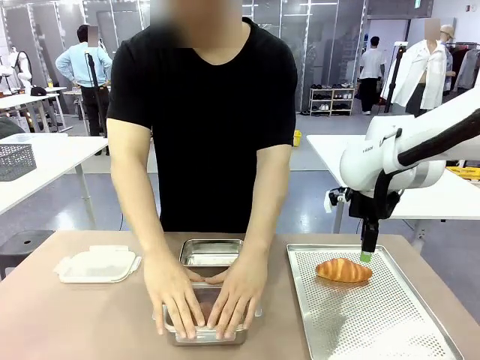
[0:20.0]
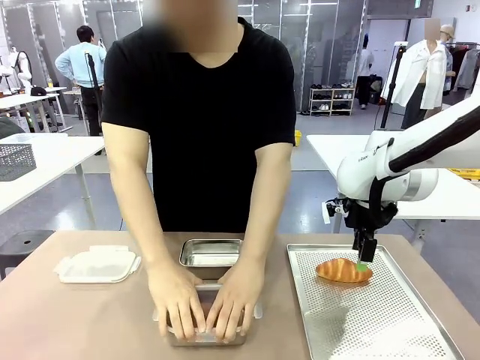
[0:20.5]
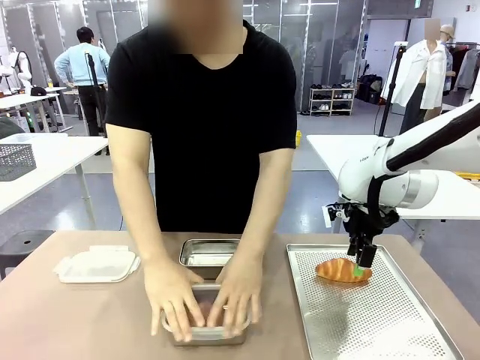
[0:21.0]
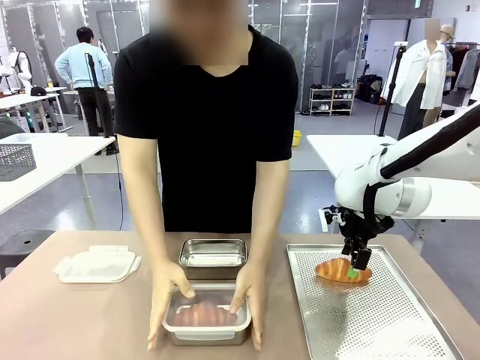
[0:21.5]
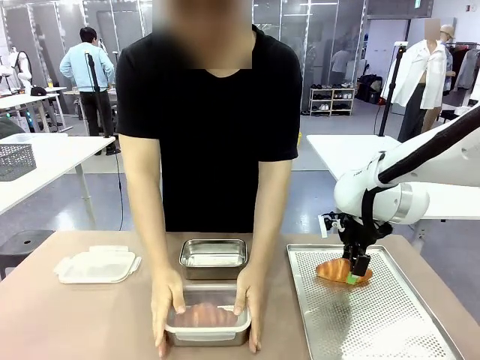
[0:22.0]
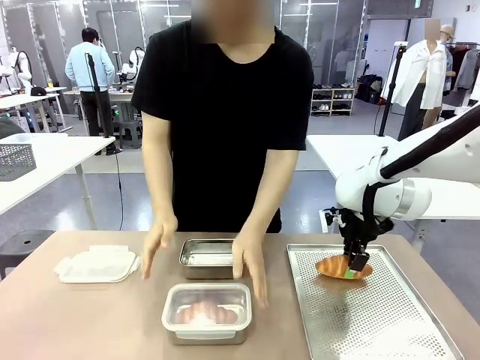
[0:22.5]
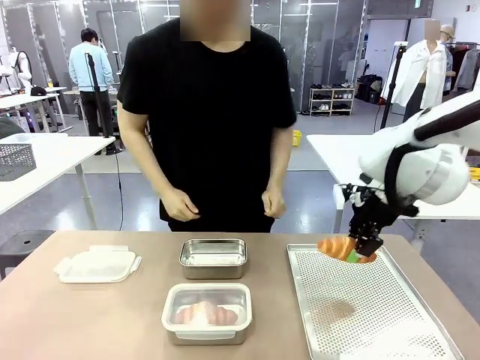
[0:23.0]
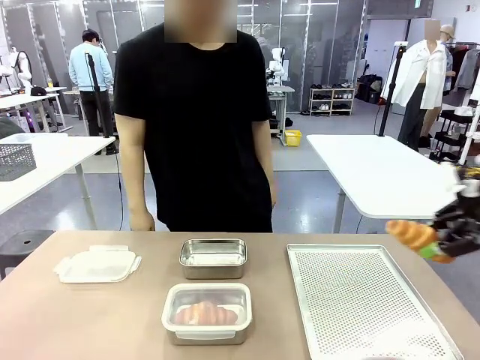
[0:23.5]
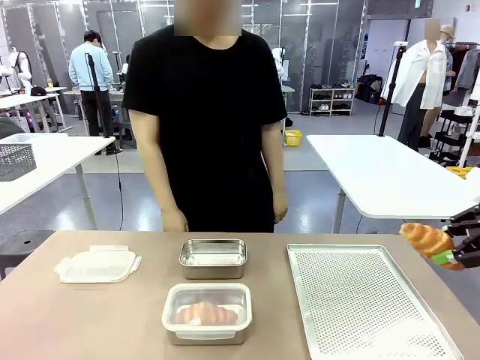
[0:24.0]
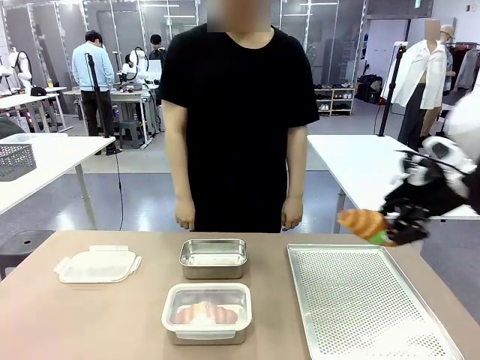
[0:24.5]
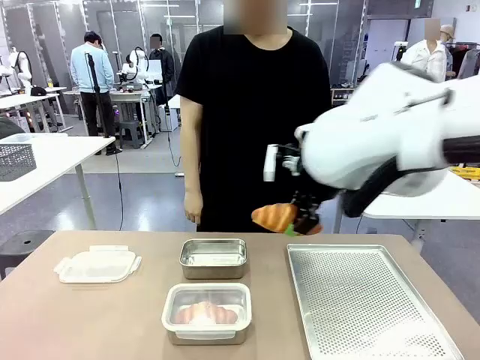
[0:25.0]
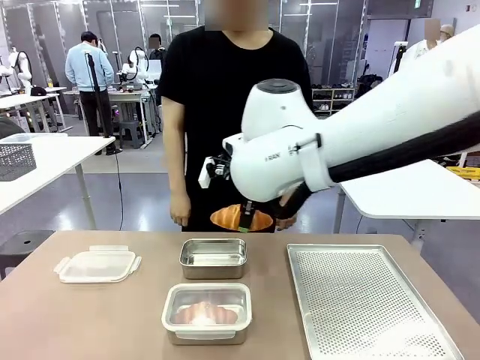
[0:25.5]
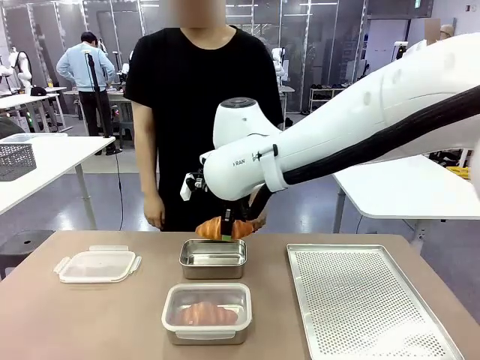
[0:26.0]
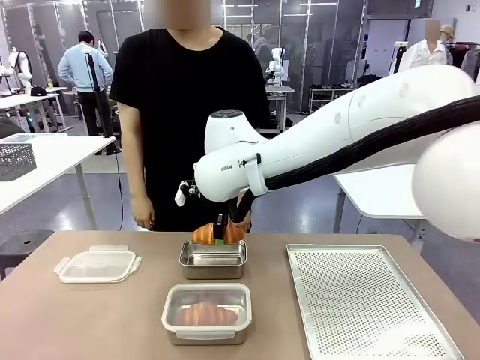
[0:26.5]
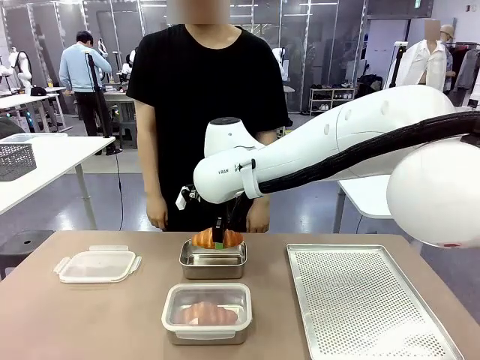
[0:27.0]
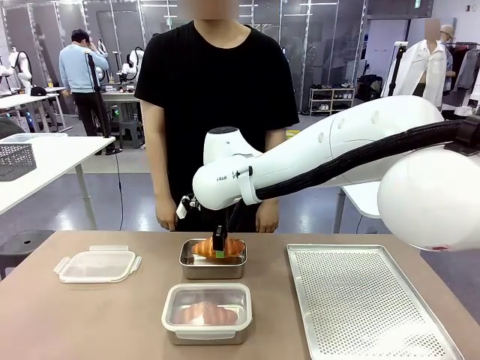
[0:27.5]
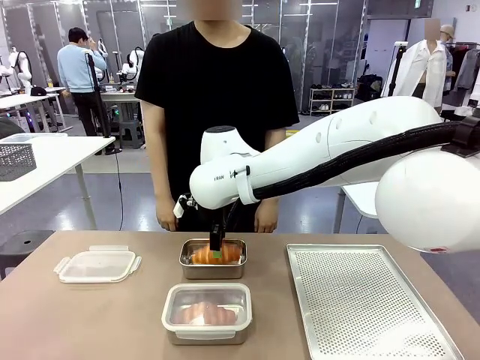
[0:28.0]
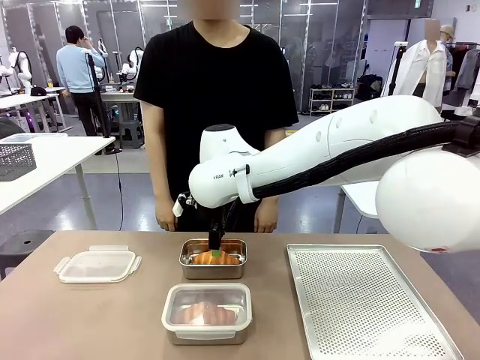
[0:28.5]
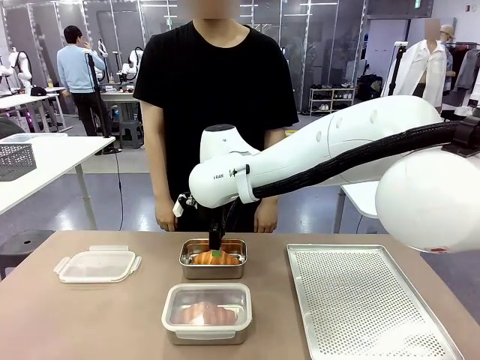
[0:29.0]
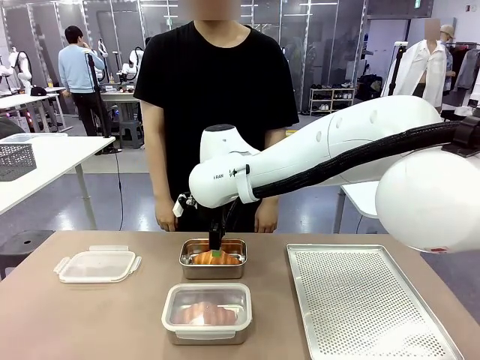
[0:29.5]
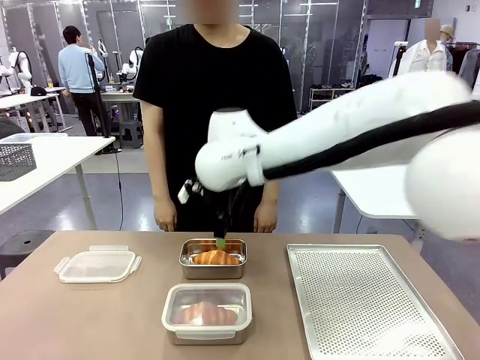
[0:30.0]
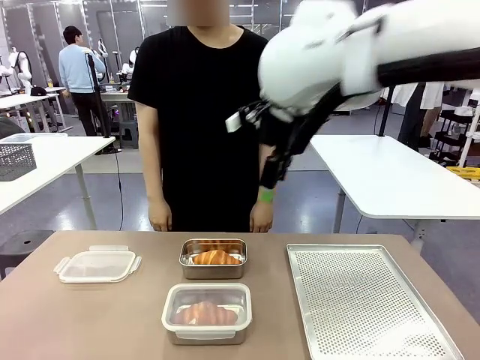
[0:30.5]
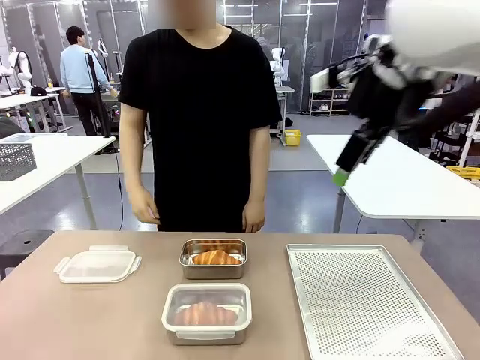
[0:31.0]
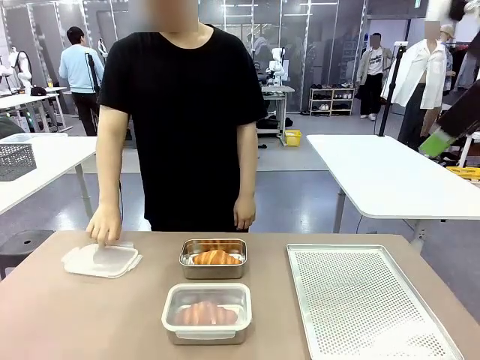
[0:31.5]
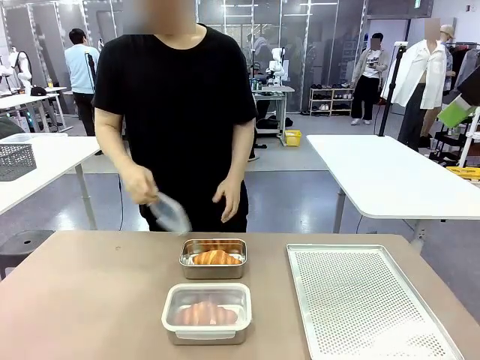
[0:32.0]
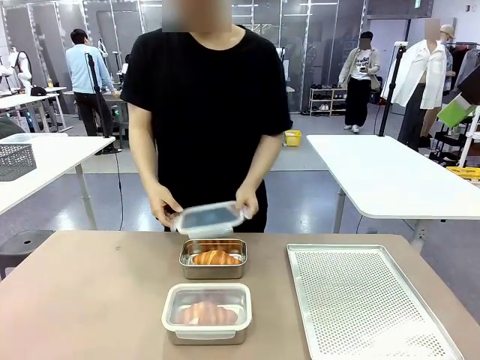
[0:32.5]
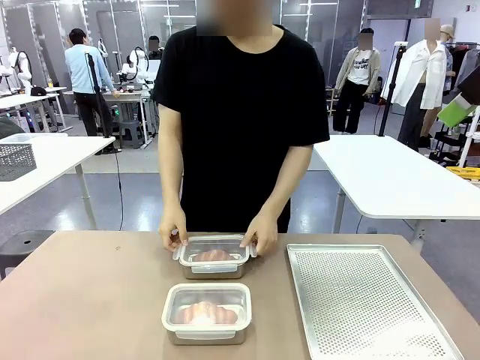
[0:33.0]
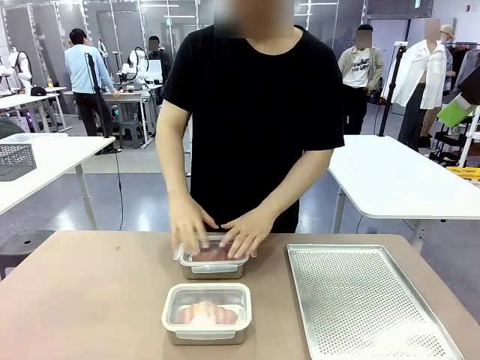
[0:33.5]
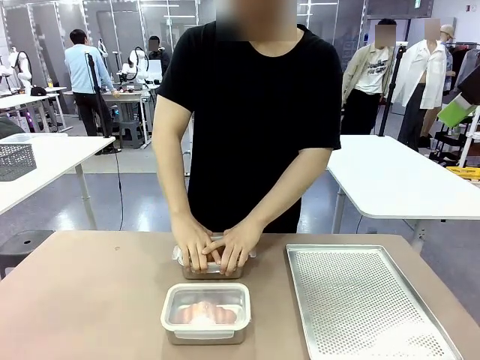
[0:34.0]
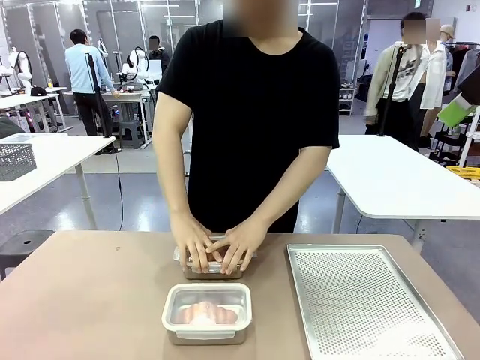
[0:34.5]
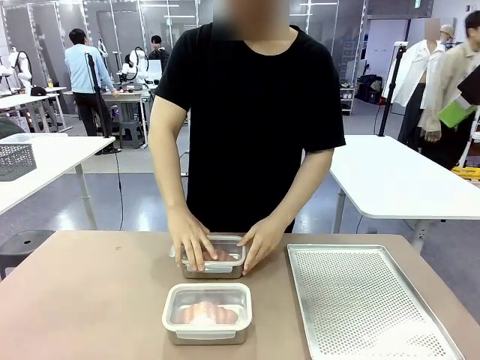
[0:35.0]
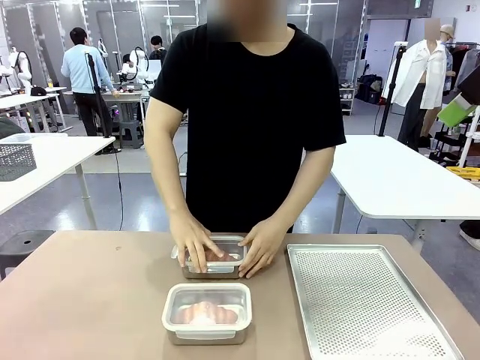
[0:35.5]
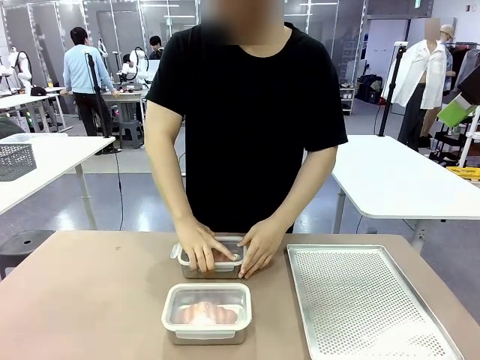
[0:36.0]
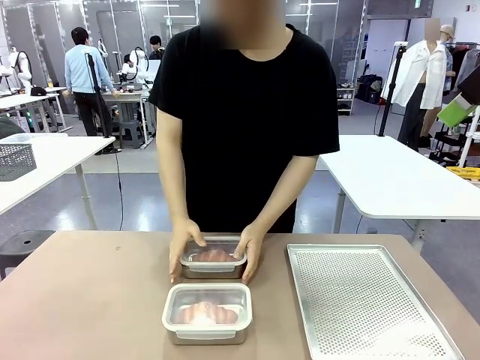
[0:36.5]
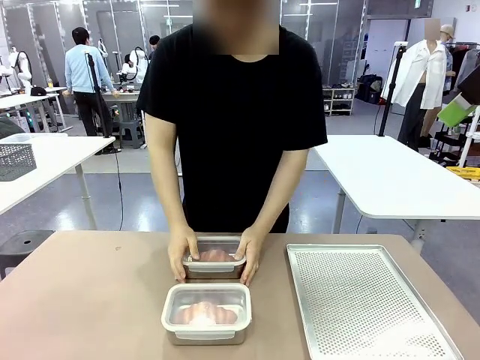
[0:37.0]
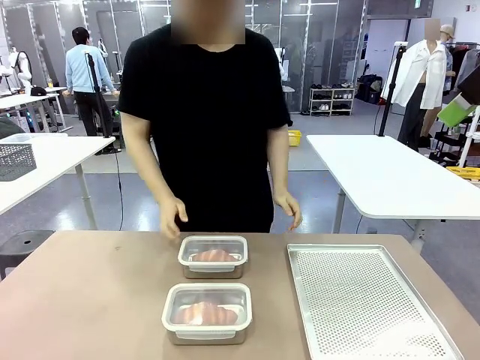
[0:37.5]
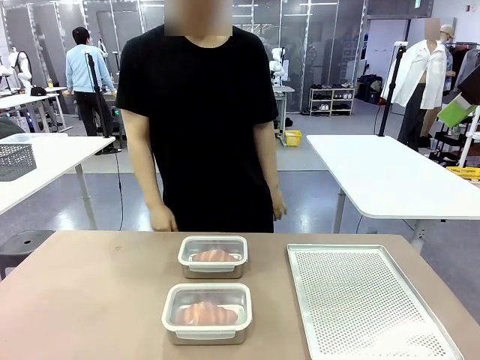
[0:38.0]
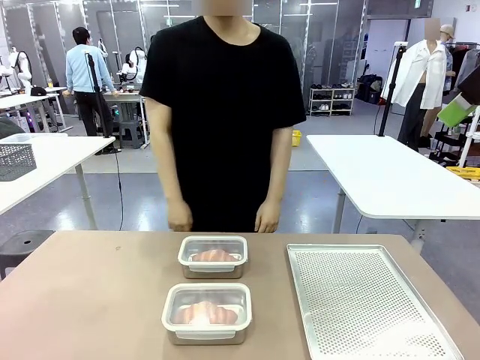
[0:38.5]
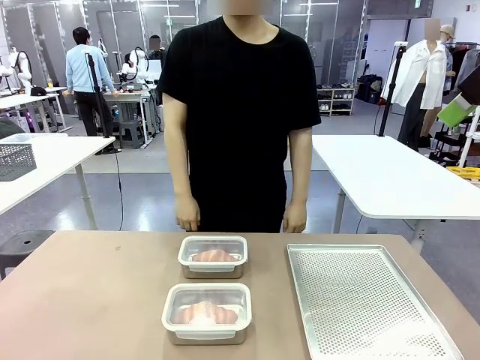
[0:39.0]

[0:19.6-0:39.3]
Task: Place the bread into the airtight container.
Robot: Pick up a Butter Roll and place it into an empty Airtight Container.
Person: Once a Butter Roll is inside an Airtight Container , close the lid of that Airtight Container.
